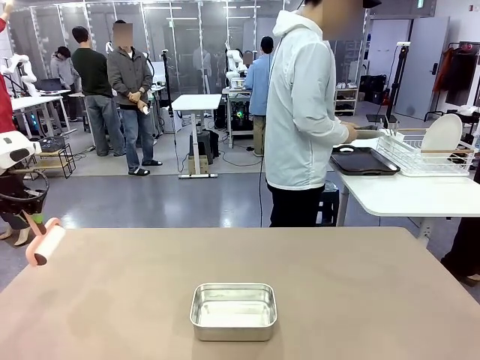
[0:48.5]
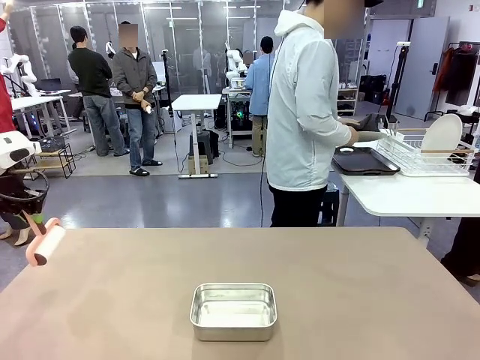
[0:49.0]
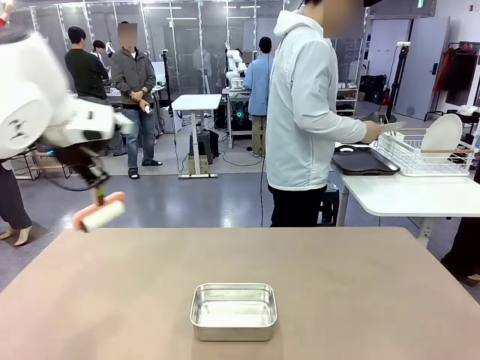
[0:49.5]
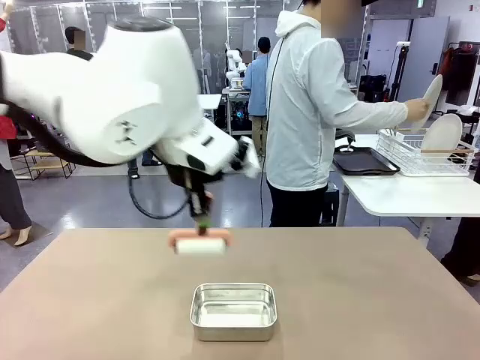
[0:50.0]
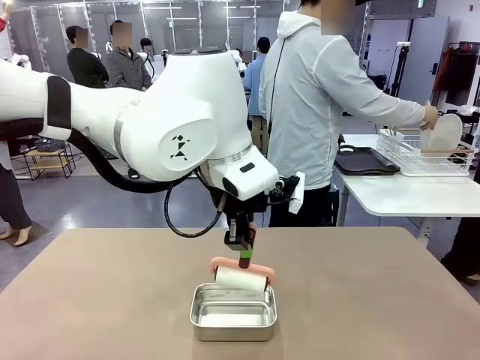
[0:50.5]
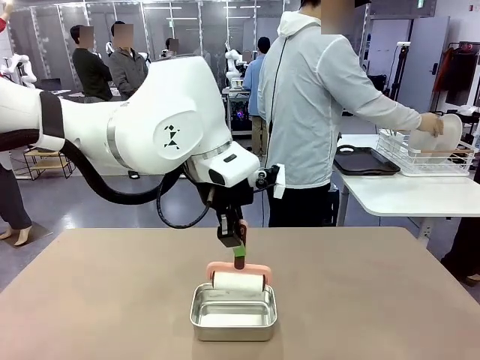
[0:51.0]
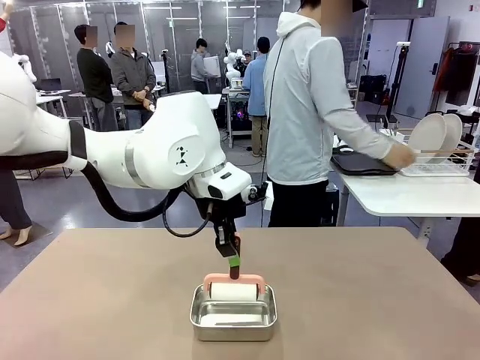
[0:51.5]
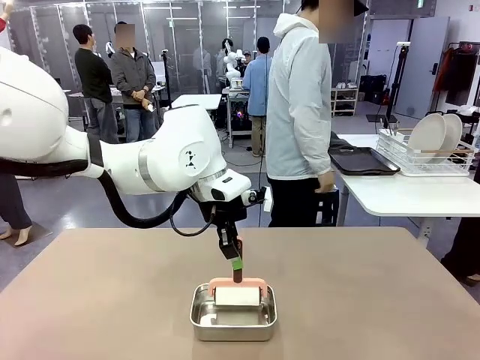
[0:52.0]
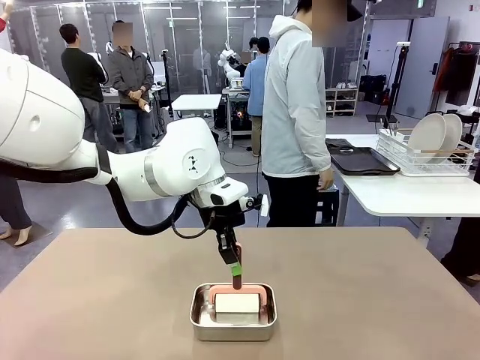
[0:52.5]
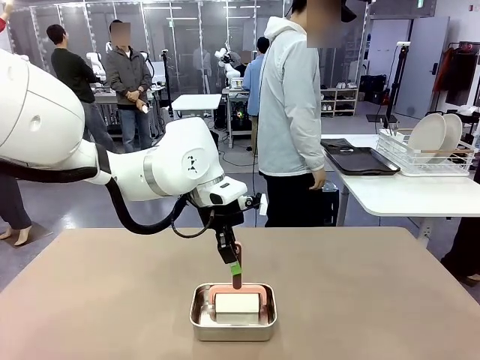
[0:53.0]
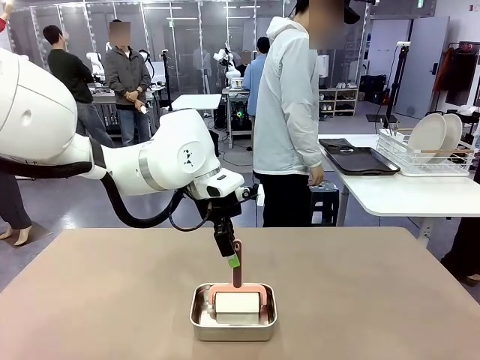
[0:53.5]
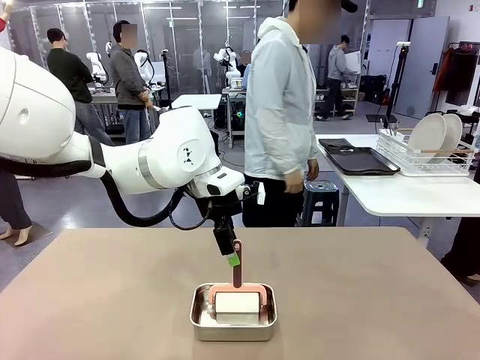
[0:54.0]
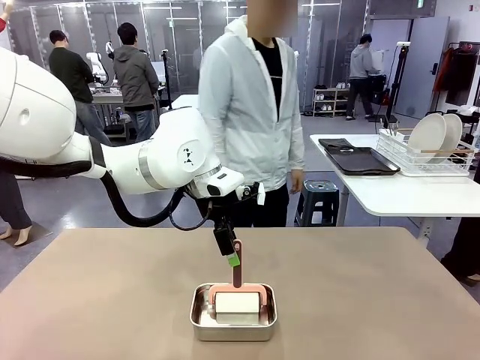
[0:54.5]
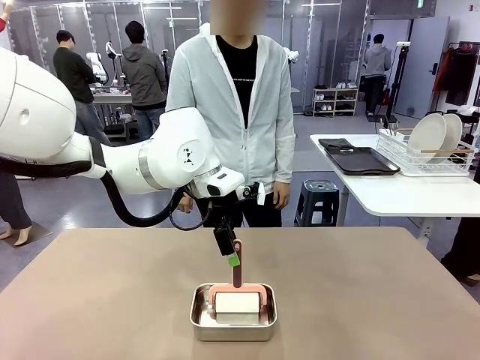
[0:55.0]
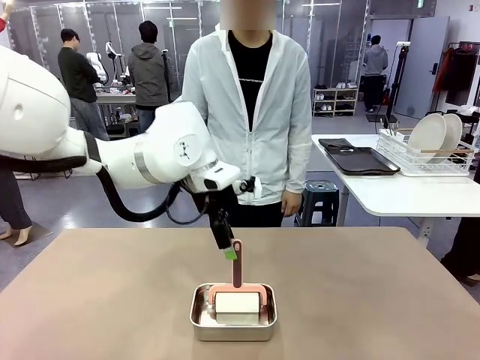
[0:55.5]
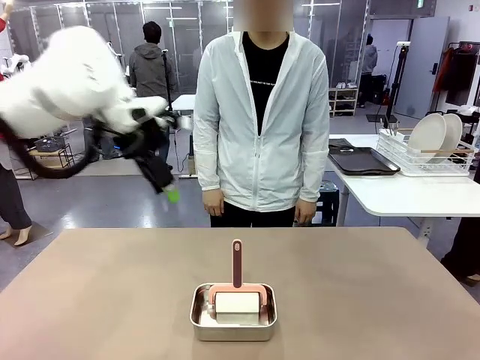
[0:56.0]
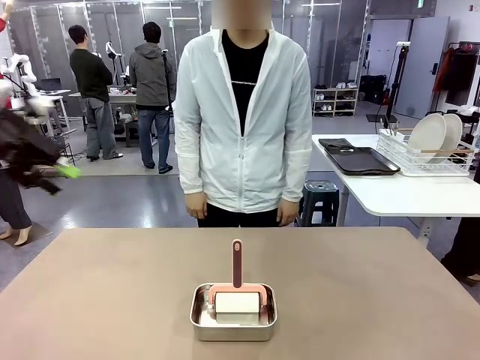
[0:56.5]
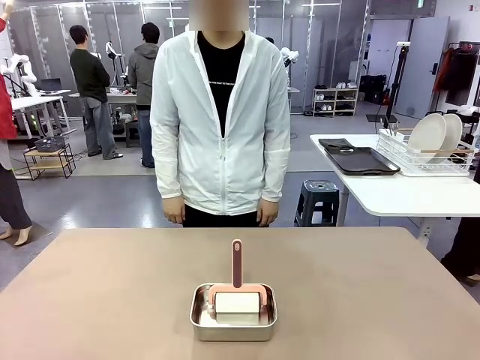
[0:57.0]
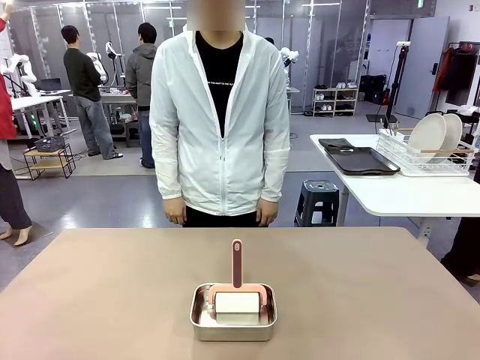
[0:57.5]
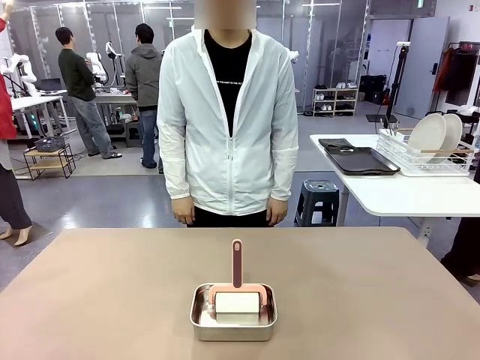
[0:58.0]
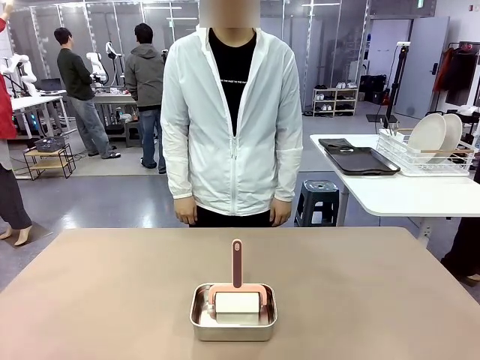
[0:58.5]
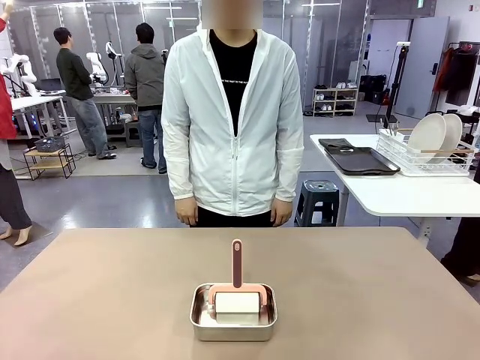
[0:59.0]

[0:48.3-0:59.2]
Robot: Place the Lint Roller back on top of the Airtight Container.
